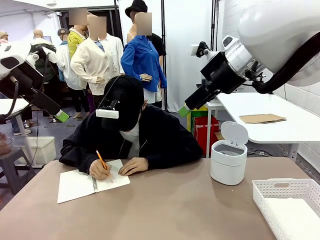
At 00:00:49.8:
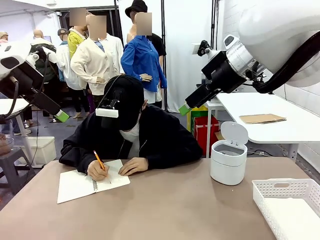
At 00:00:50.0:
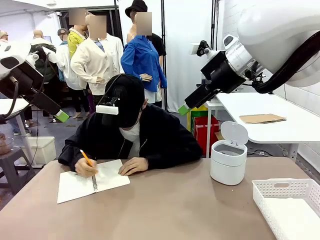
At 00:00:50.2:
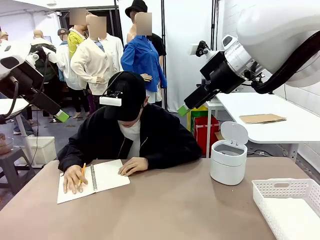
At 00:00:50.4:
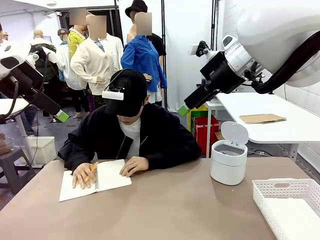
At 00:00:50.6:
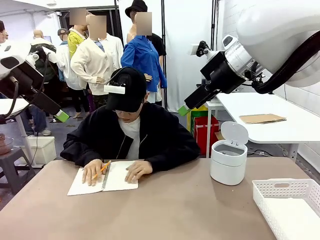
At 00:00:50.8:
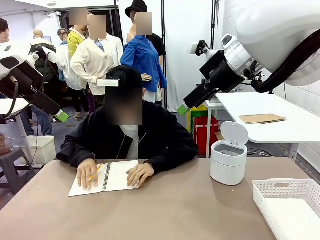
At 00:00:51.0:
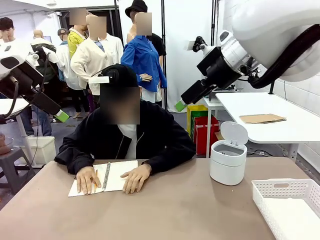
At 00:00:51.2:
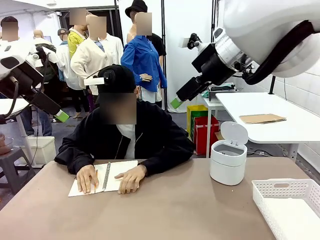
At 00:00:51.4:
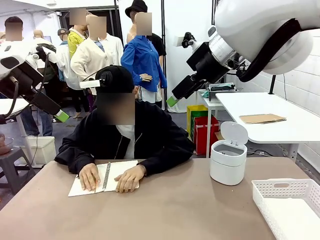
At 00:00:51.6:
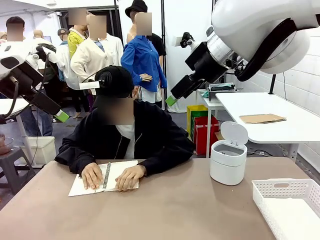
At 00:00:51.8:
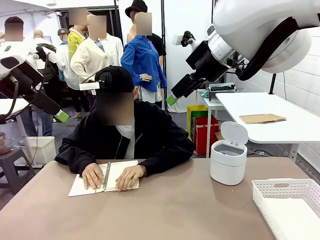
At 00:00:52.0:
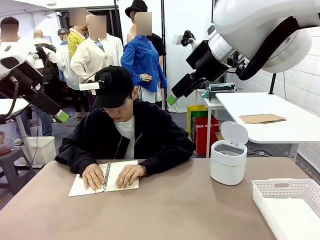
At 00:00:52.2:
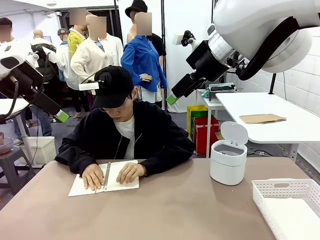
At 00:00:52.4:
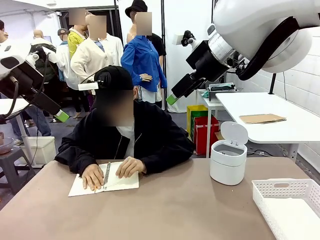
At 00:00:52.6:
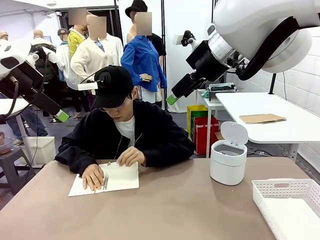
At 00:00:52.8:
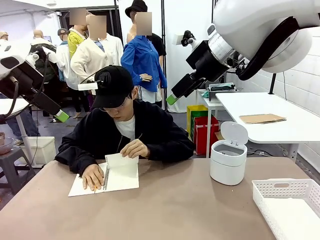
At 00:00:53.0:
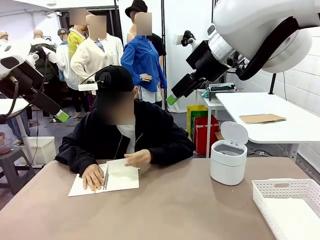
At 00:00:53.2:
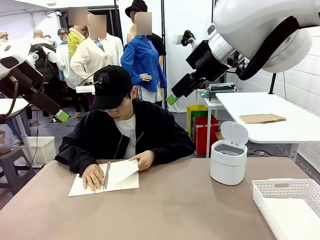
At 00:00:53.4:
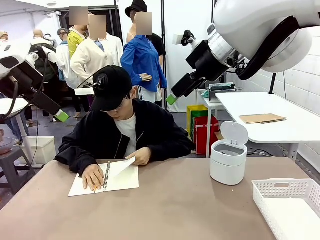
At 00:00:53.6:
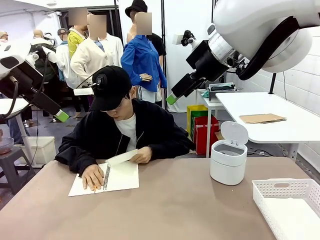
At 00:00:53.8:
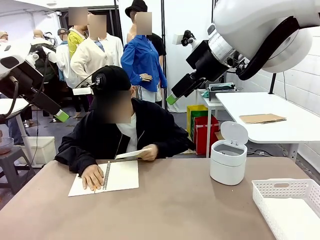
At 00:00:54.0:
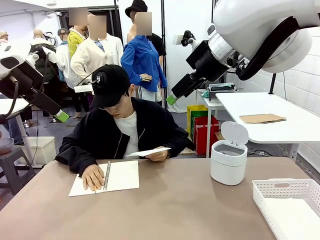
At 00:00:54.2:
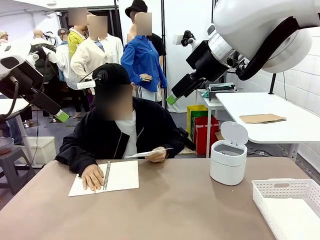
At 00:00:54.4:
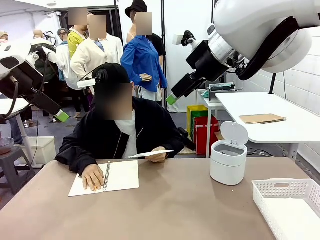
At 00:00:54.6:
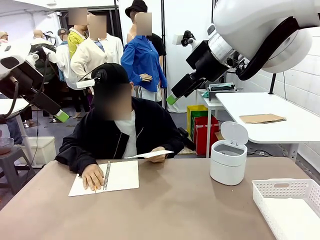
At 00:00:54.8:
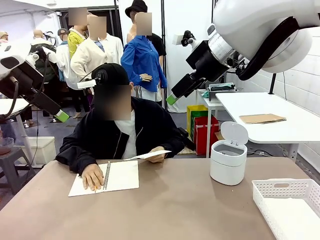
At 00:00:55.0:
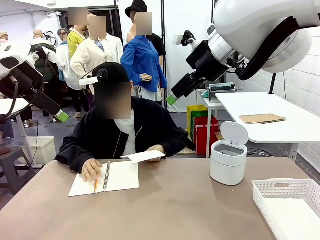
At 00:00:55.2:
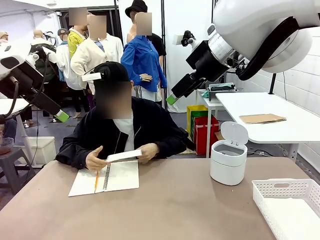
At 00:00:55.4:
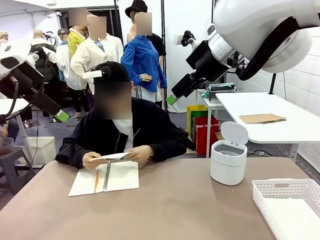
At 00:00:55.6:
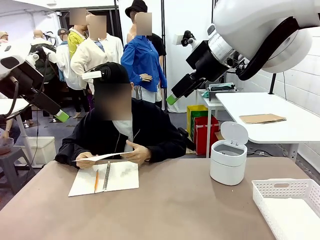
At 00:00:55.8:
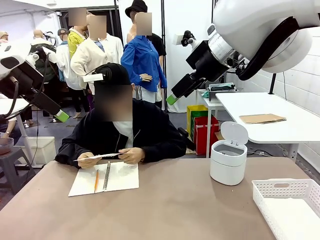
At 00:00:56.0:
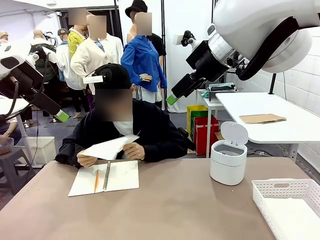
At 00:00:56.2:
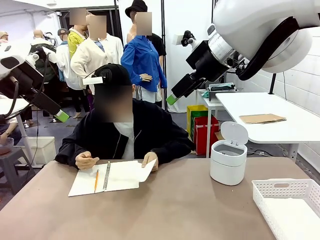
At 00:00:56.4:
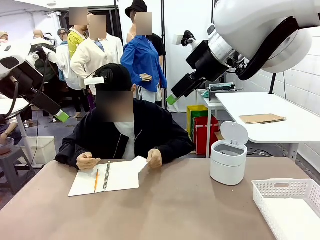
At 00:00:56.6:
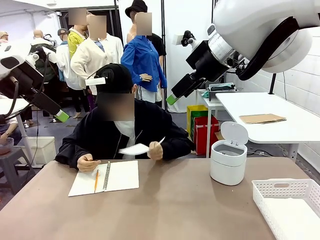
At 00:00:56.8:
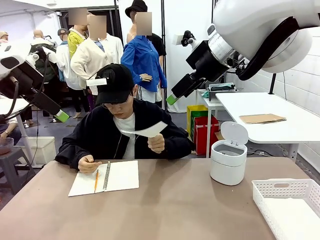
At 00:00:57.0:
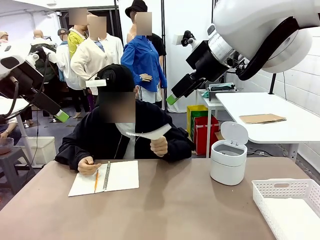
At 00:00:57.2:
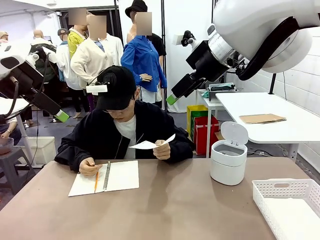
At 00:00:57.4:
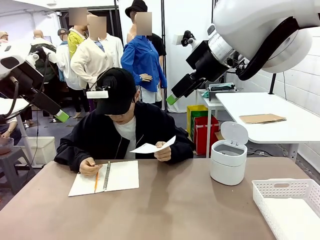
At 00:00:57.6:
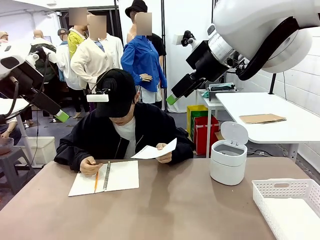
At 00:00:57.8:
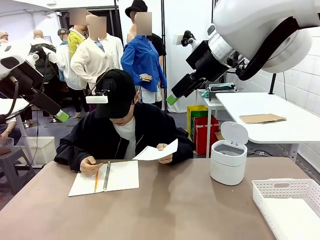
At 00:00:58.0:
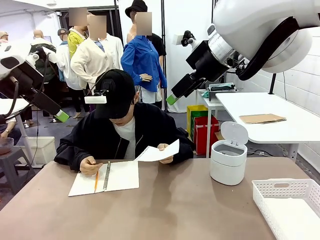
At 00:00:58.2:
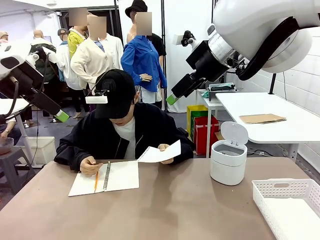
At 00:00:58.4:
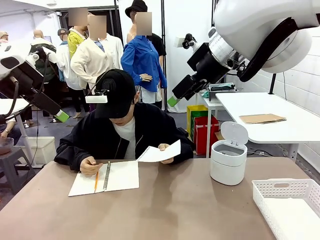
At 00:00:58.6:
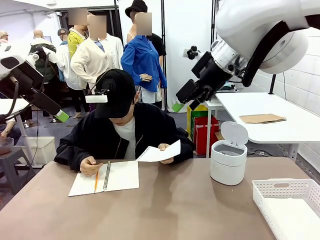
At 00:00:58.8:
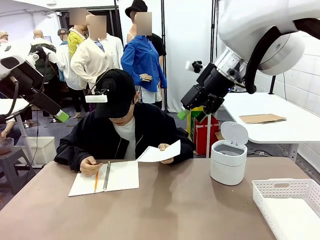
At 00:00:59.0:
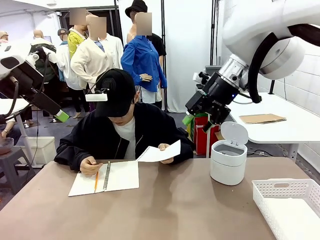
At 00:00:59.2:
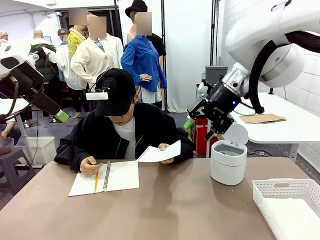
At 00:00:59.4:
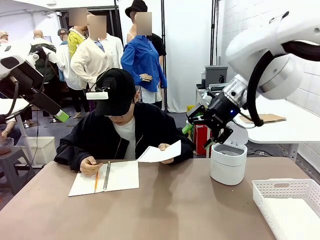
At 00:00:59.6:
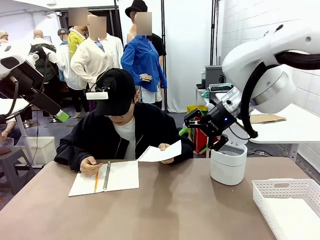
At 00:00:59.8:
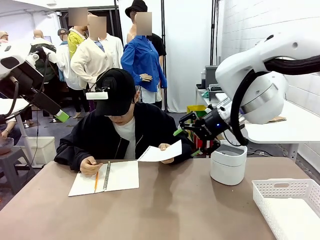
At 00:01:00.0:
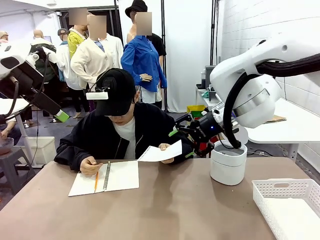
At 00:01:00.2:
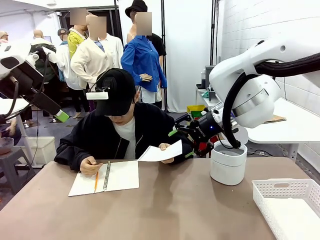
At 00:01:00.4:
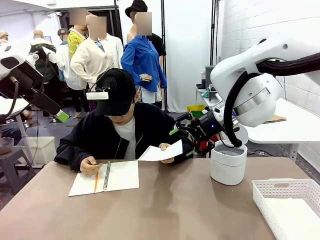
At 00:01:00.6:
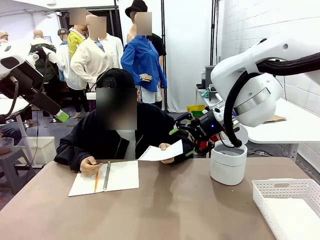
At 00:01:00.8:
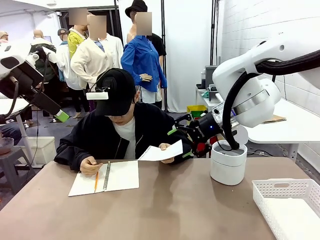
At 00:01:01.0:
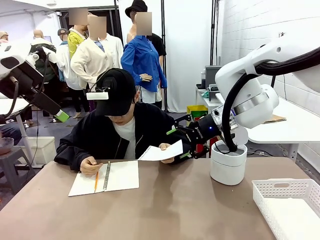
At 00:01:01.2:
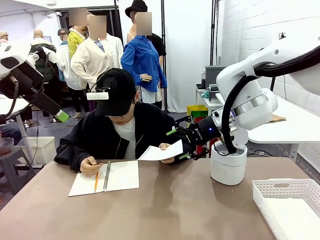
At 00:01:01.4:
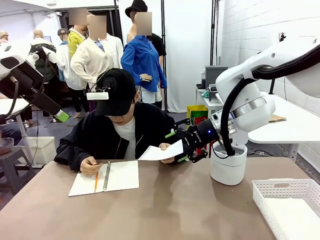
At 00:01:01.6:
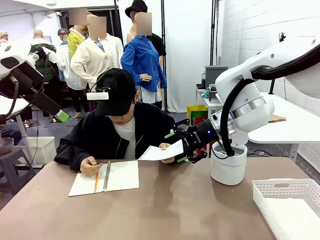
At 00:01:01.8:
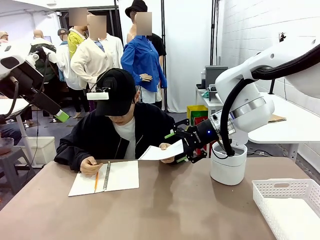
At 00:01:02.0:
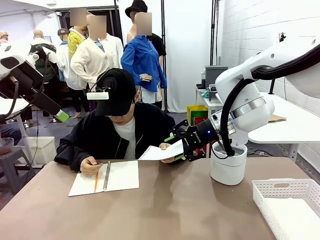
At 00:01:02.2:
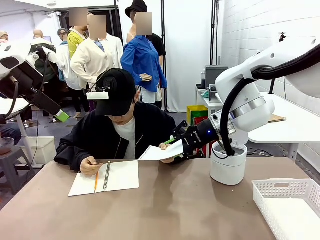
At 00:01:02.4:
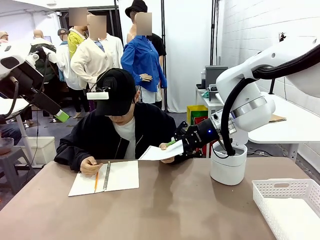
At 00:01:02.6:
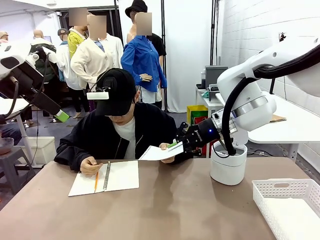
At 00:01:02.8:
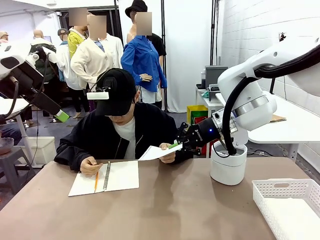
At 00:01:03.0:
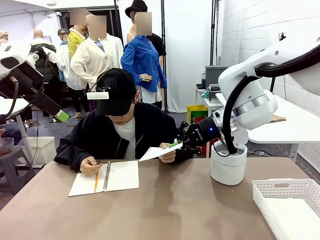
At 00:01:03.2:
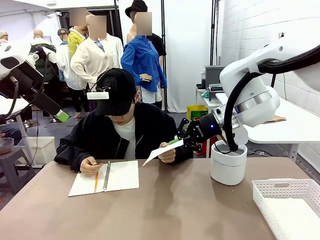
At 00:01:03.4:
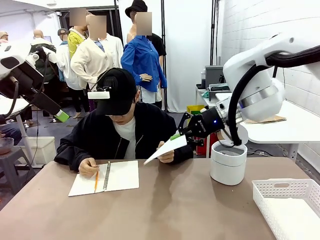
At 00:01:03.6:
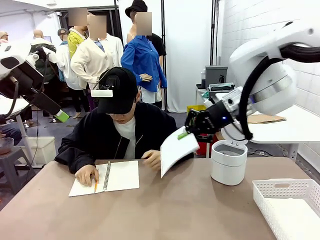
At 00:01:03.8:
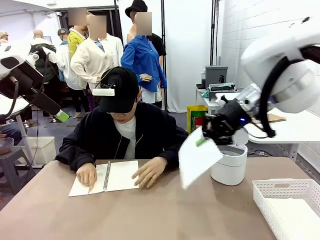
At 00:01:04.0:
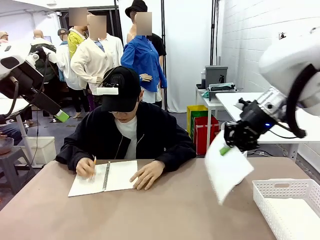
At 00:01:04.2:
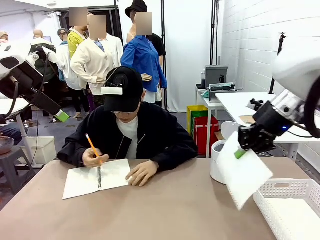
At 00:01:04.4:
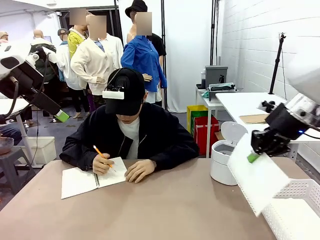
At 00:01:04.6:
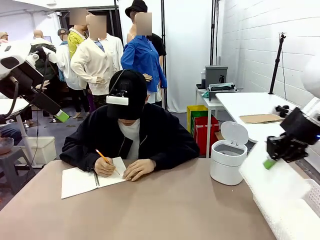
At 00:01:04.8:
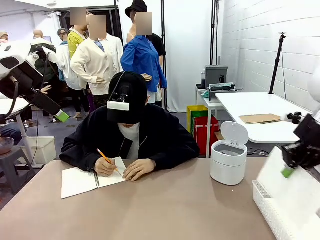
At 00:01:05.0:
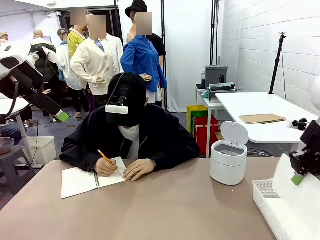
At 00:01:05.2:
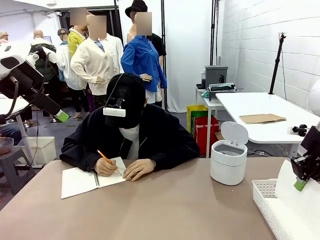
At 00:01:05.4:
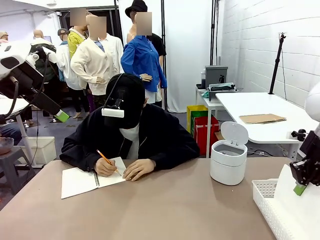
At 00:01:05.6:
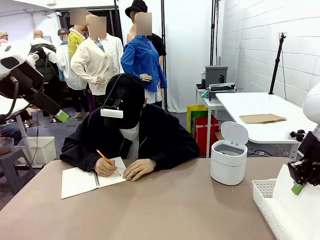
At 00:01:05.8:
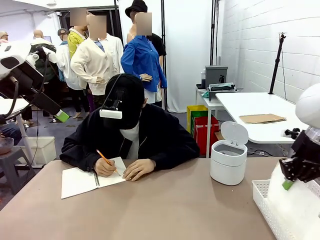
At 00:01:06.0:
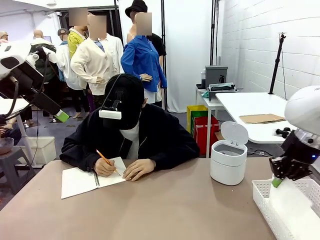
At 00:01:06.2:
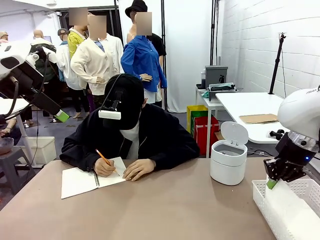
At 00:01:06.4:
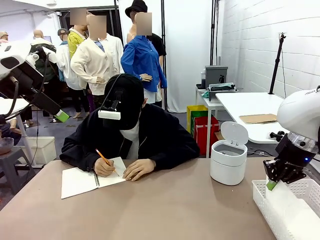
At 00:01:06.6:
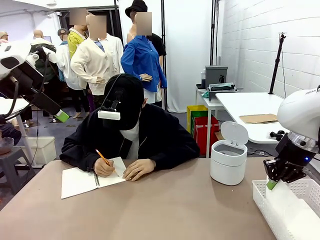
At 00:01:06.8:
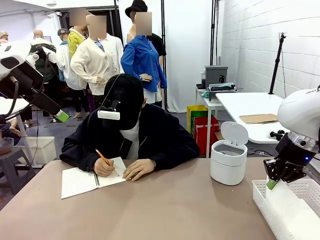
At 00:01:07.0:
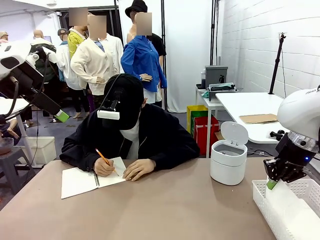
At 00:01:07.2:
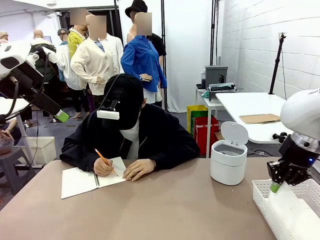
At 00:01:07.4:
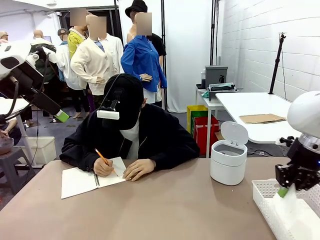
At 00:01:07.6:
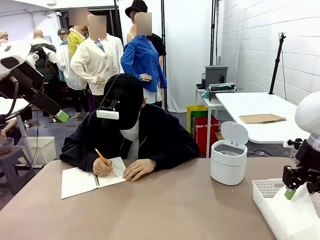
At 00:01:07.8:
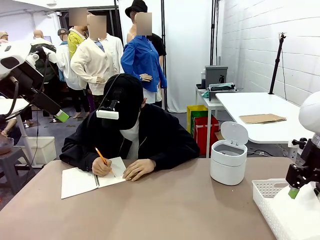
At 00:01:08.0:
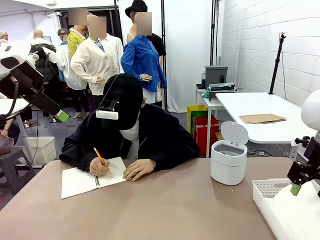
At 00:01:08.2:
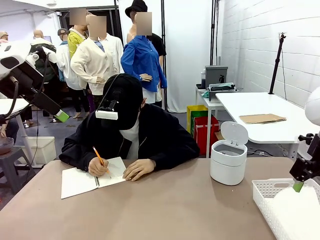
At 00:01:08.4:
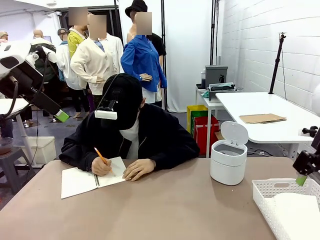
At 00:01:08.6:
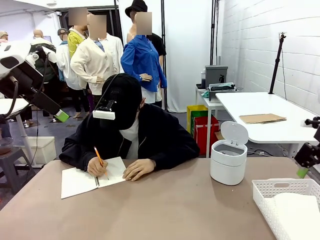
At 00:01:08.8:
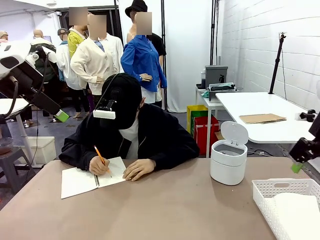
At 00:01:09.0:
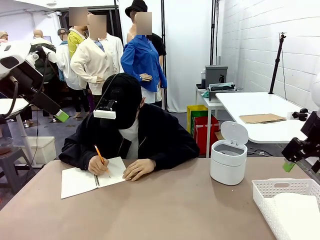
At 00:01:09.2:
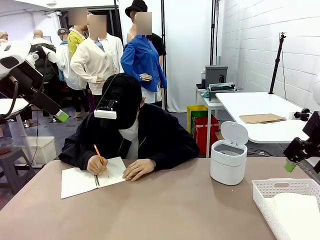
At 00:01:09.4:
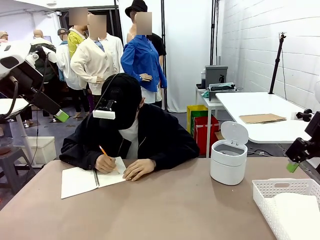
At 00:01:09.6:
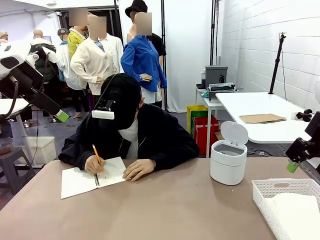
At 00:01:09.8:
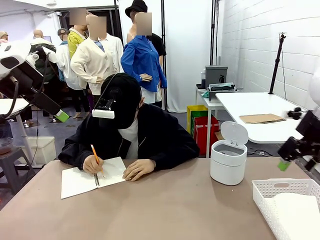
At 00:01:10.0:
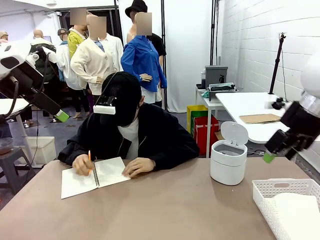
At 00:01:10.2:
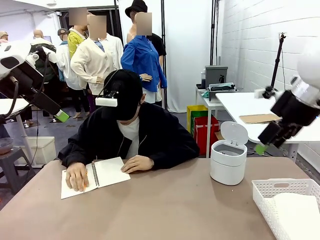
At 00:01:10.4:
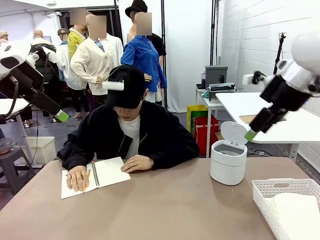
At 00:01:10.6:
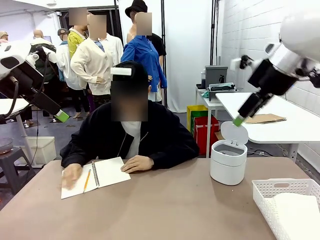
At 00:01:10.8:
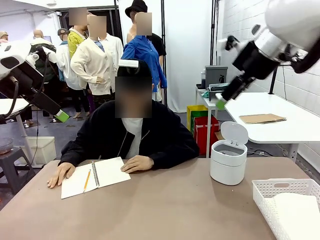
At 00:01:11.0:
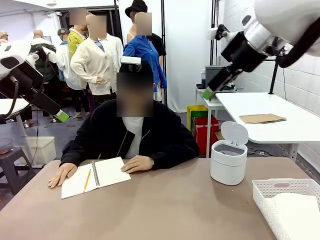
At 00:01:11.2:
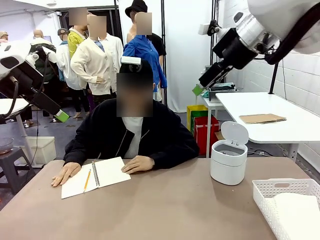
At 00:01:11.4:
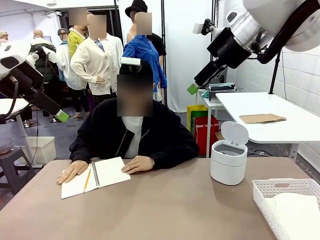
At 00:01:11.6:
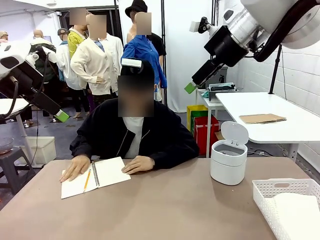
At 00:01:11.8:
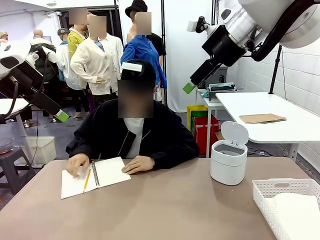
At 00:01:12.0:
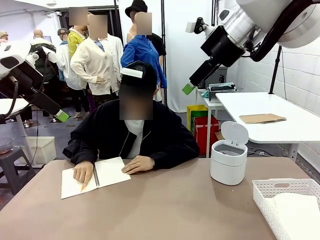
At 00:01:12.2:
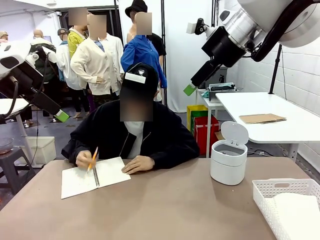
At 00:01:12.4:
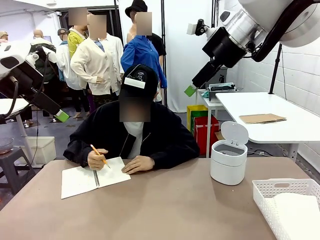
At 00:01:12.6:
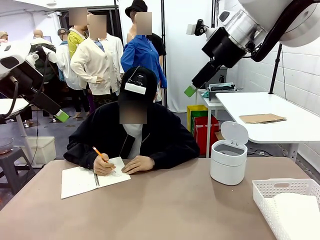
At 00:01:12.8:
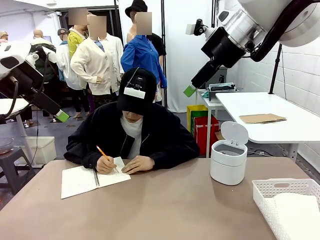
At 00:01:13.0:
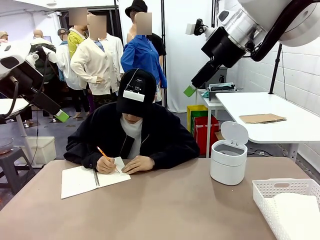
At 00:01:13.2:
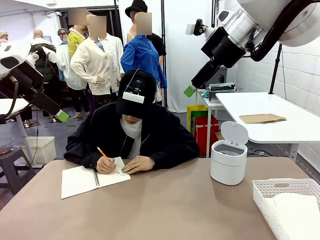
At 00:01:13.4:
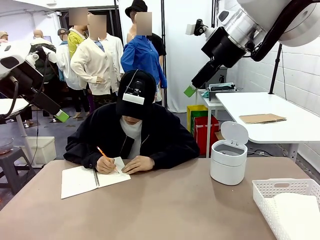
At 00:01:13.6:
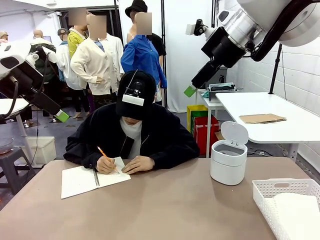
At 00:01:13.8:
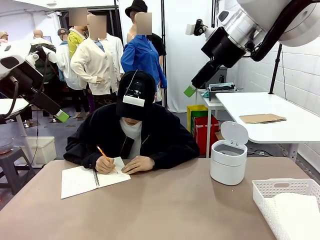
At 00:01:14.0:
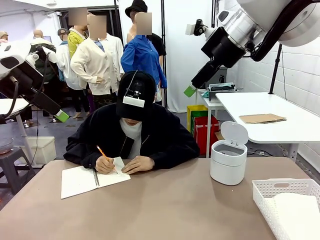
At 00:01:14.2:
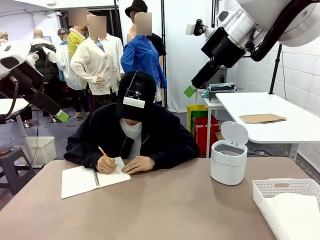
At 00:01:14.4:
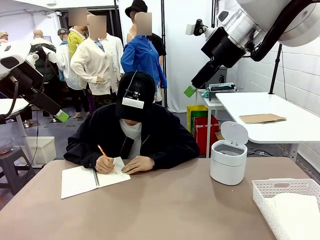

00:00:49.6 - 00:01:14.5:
Task: Sort the paper based on its condition.
Robot: If a person hands you a paper, place it in the Organizing basket , and if it's crumpled, put it in the Trash can.
Person: Hand the torn page to the robot or crumple it and throw it to the center of the table.
